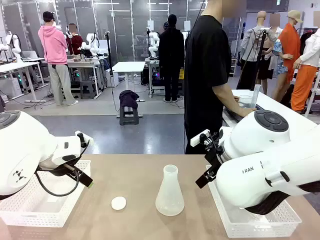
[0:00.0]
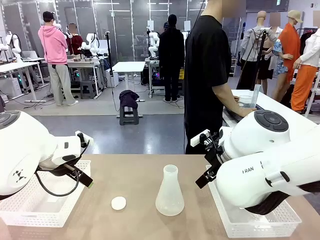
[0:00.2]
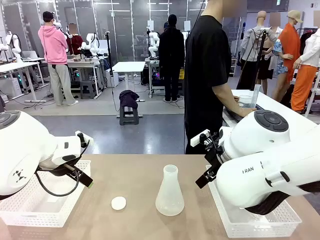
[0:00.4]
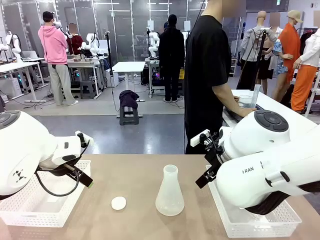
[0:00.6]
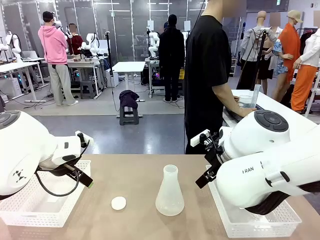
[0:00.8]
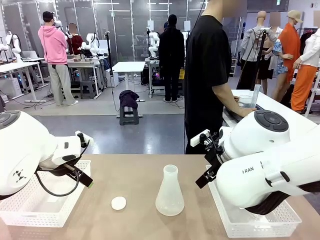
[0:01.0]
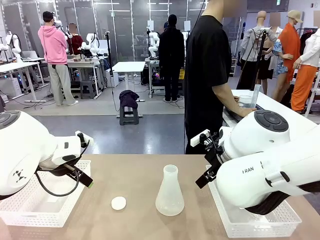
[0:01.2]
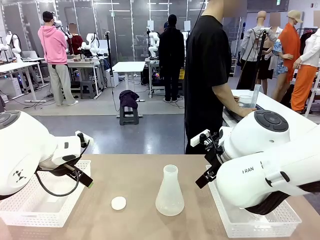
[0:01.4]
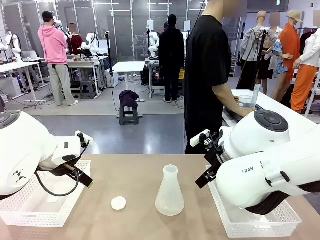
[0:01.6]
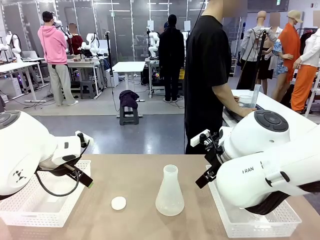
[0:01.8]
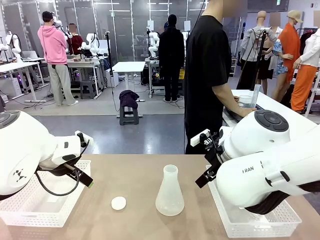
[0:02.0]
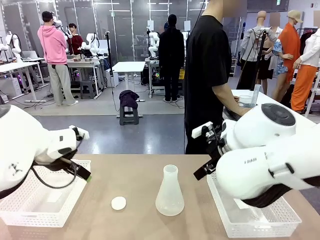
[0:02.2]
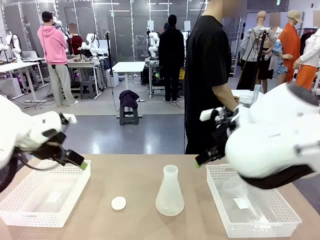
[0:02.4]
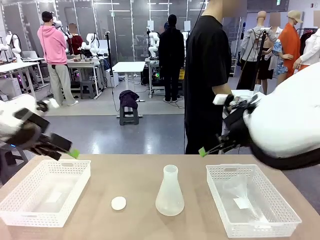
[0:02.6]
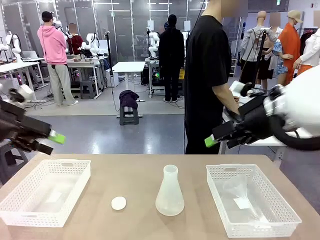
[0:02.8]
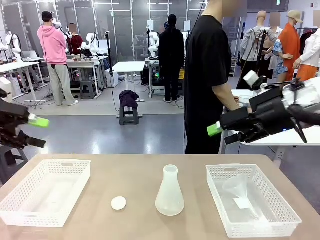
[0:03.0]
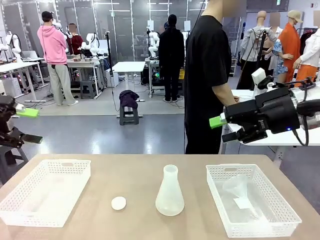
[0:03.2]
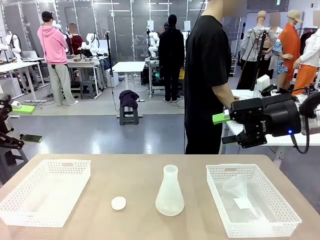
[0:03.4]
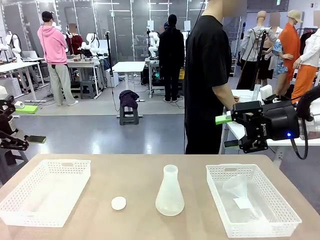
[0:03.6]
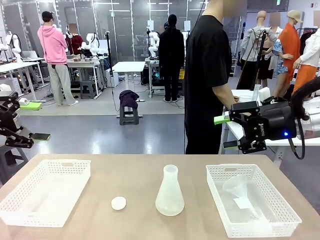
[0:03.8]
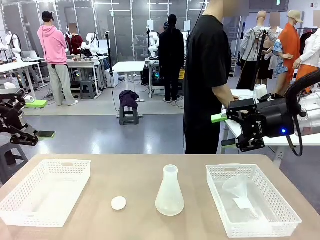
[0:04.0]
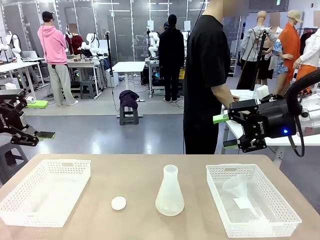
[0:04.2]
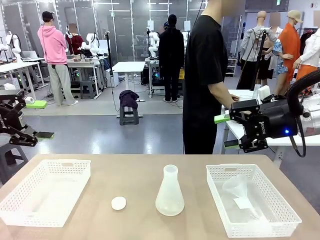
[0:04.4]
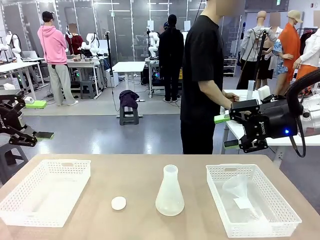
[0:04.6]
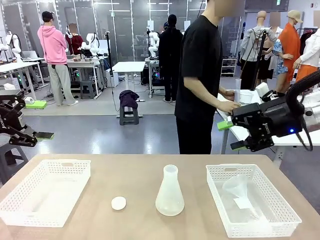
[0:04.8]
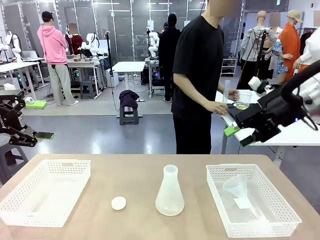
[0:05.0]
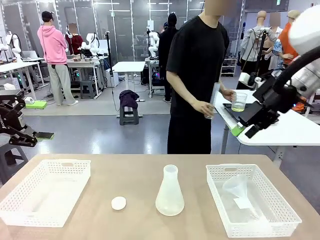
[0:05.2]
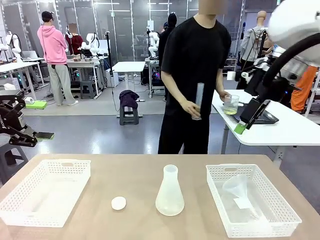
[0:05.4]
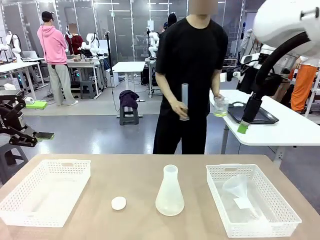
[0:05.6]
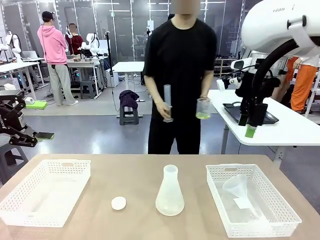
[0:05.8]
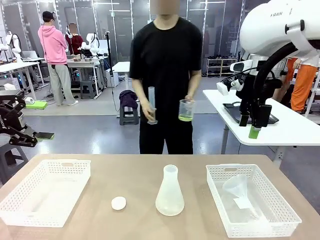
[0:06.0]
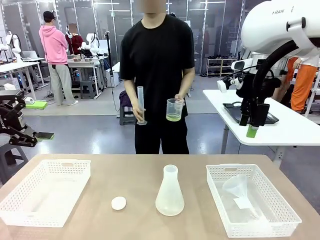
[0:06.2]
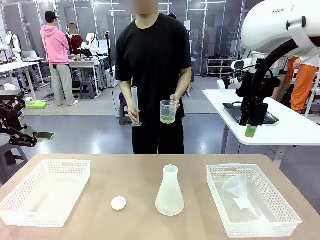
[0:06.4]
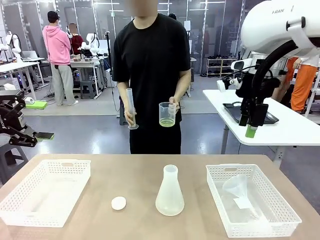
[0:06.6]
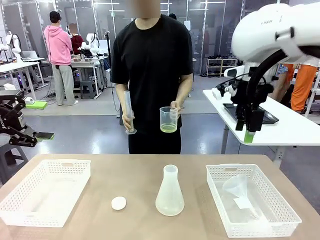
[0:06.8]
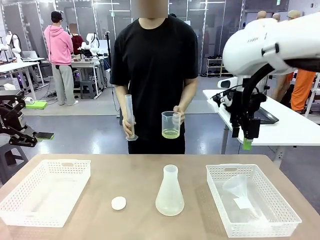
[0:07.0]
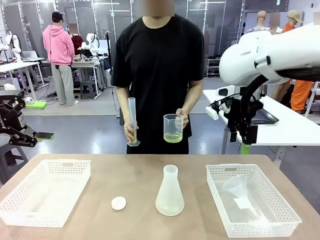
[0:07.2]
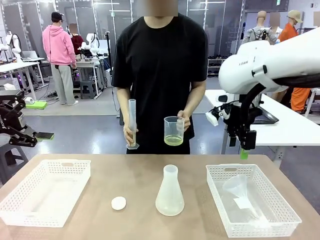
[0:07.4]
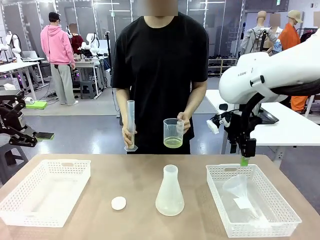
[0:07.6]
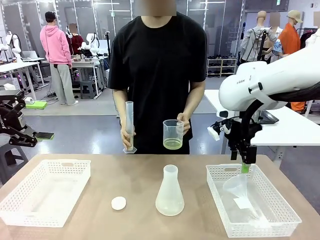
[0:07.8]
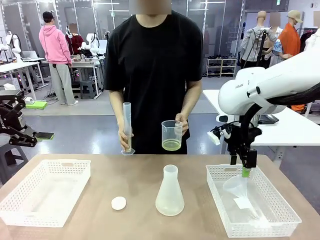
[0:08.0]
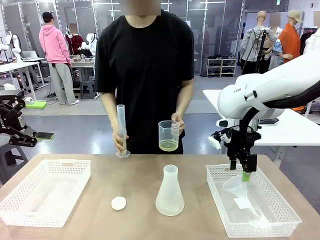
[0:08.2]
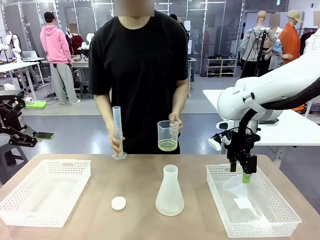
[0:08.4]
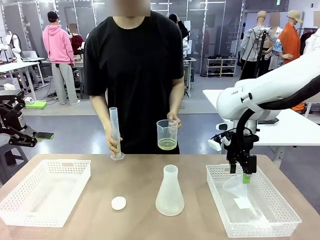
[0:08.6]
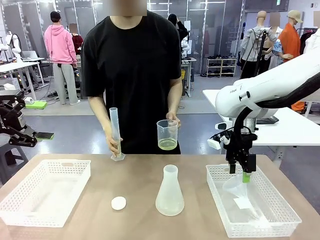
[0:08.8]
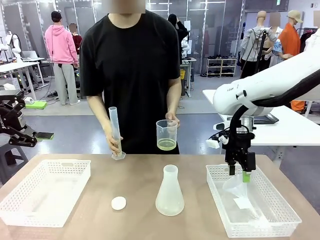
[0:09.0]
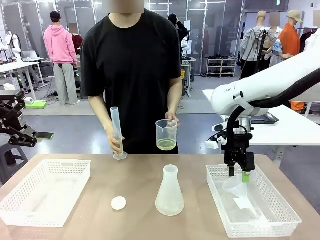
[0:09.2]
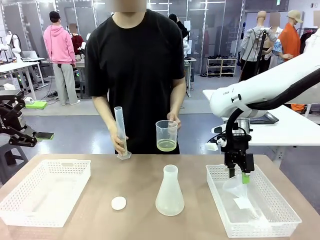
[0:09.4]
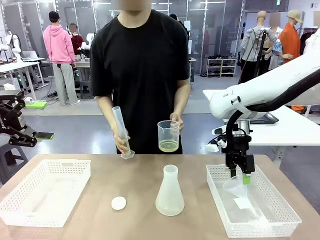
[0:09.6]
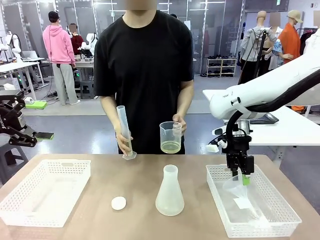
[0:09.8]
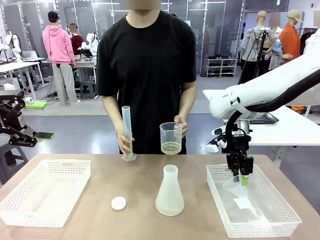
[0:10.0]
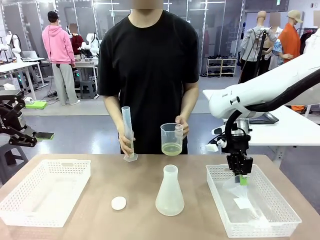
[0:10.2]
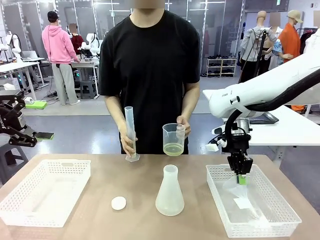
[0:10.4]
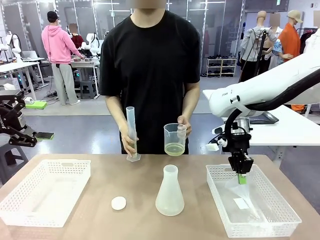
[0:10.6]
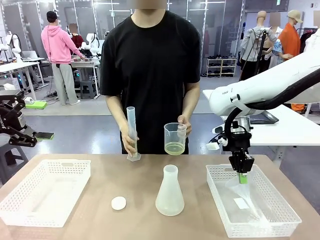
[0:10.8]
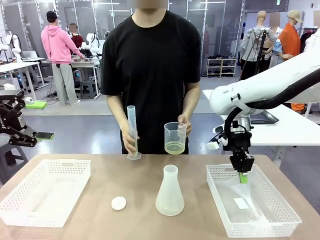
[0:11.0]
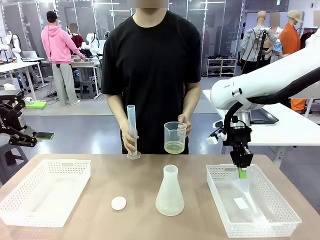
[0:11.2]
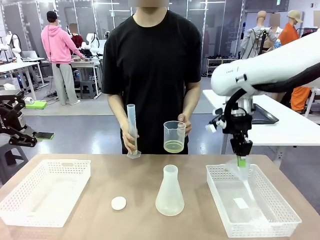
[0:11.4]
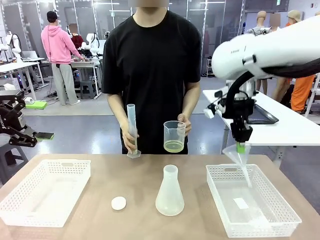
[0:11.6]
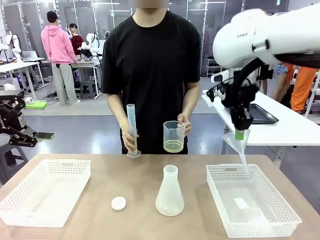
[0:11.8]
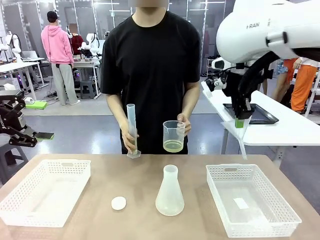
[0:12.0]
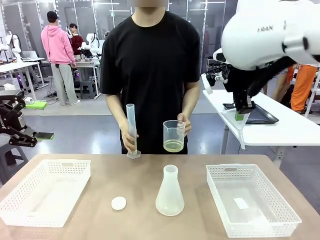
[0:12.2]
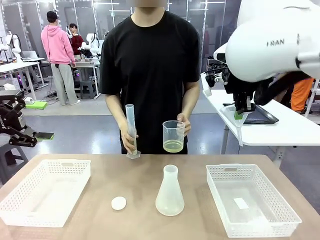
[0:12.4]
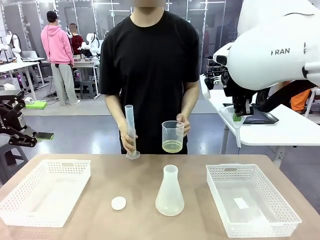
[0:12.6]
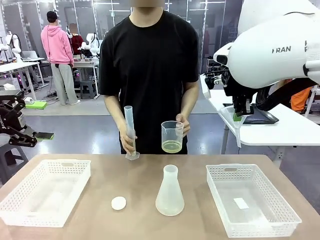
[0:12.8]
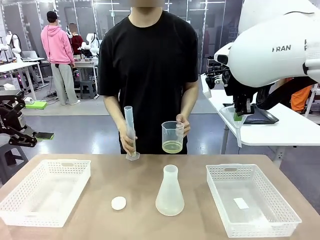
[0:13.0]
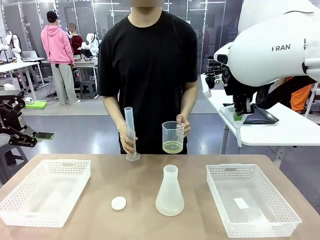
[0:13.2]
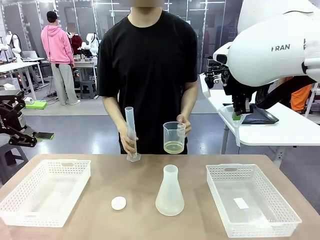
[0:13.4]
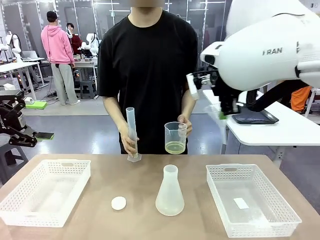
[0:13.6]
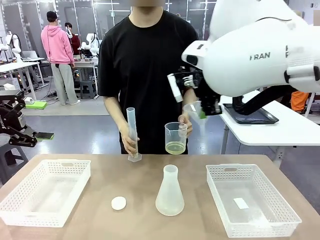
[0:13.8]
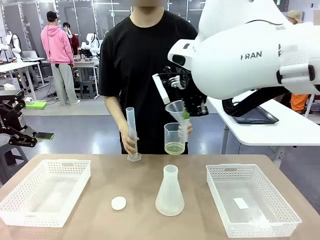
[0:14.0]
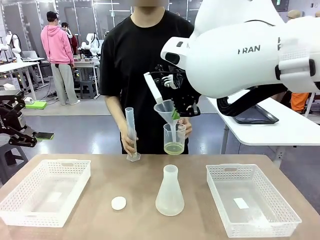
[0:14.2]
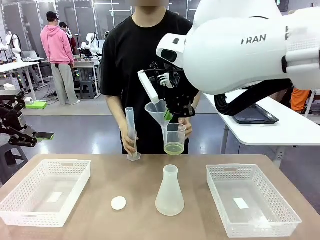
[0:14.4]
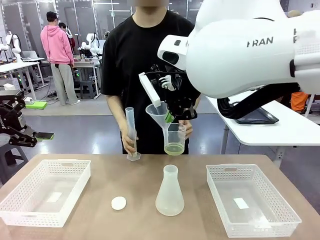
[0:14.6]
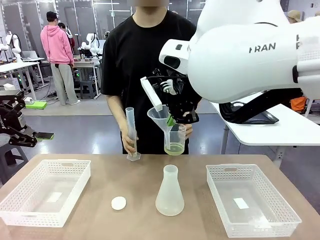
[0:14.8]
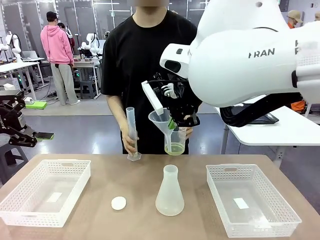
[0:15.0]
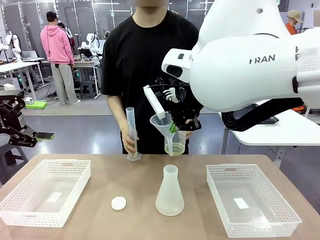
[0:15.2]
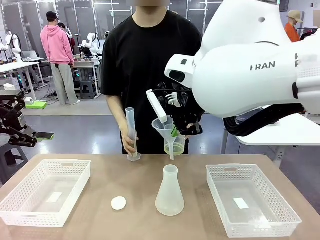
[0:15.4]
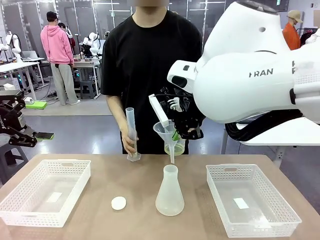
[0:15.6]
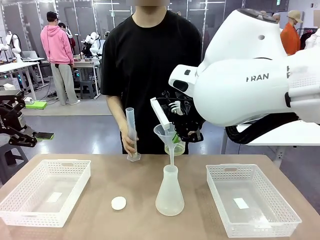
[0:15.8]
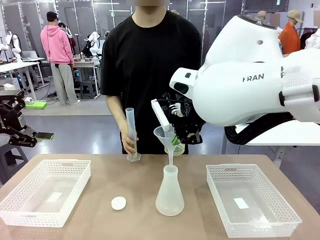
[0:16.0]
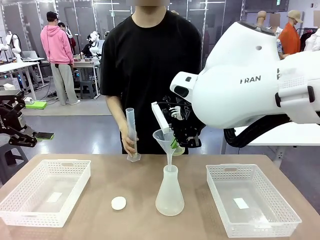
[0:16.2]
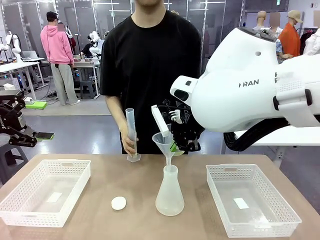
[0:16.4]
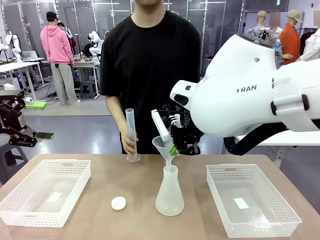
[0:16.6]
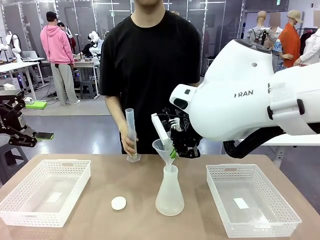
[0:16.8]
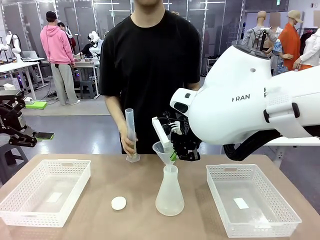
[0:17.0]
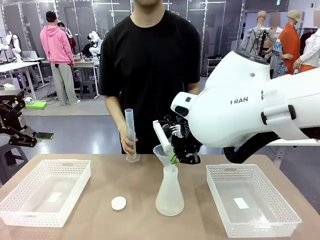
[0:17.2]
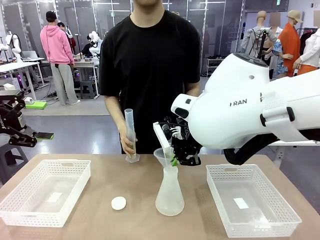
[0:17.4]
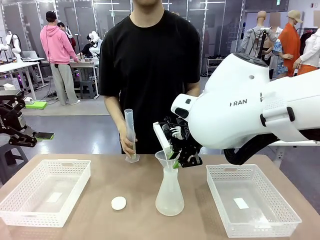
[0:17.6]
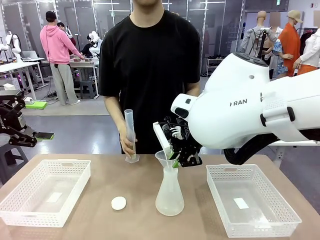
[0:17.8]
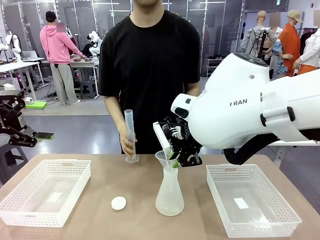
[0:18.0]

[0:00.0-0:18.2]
Task: Prepare the solutions needed for the experiment.
Robot: Pick up the Plastic Funnel and insert it into the Big flask.
Person: Pick up the beaker and the cylinder and move to the middle of the robot table. Pour the solution from the beaker and the cylinder into the flask.
